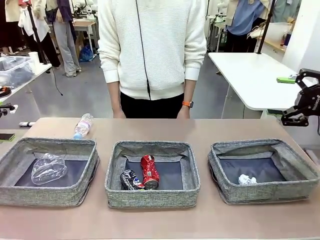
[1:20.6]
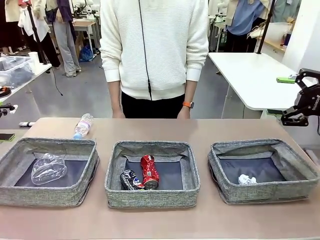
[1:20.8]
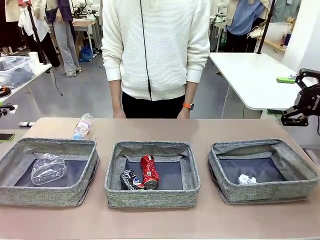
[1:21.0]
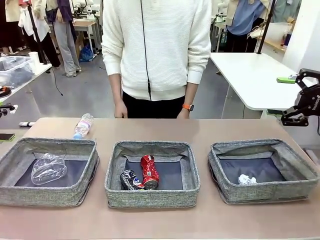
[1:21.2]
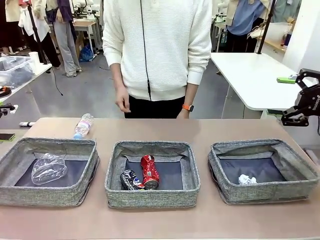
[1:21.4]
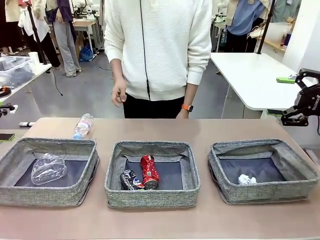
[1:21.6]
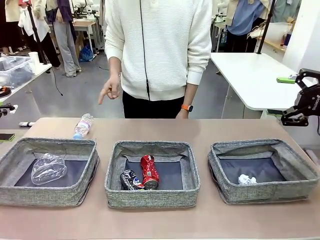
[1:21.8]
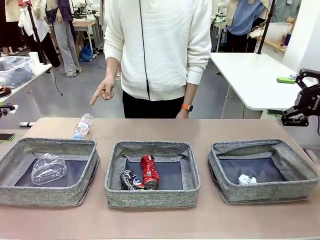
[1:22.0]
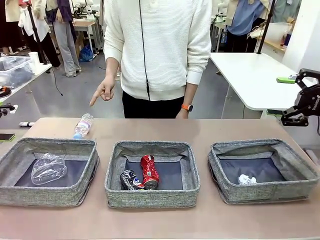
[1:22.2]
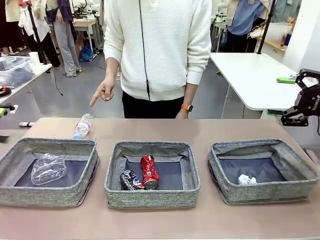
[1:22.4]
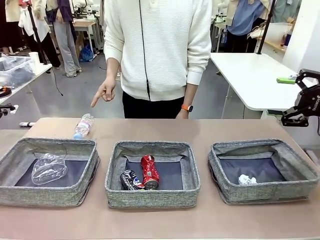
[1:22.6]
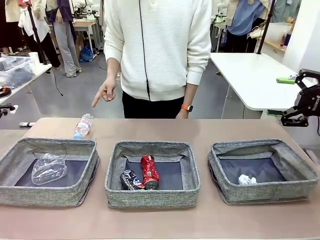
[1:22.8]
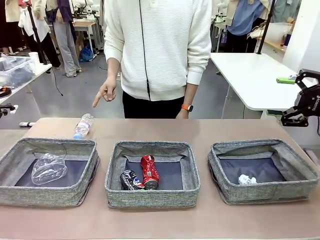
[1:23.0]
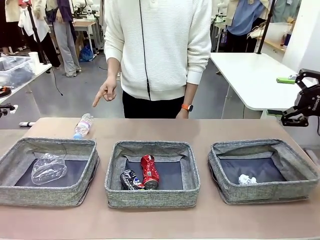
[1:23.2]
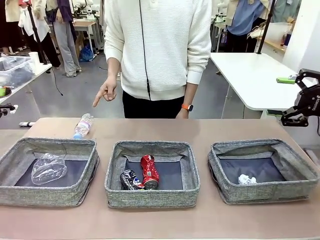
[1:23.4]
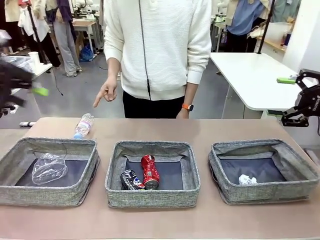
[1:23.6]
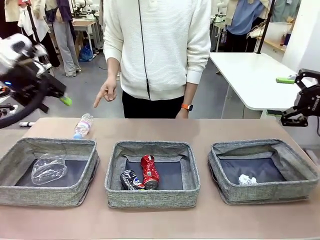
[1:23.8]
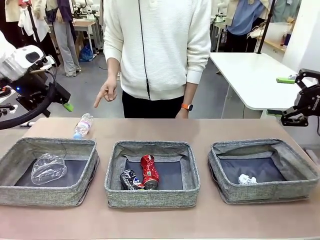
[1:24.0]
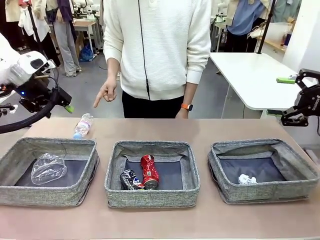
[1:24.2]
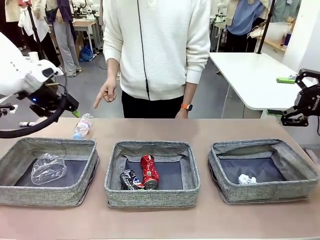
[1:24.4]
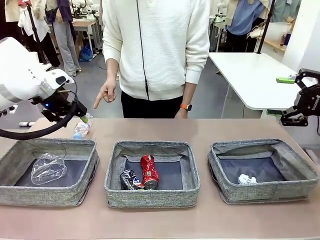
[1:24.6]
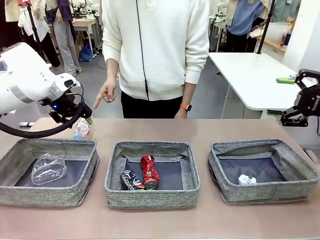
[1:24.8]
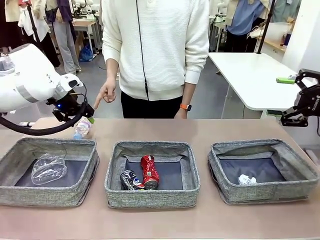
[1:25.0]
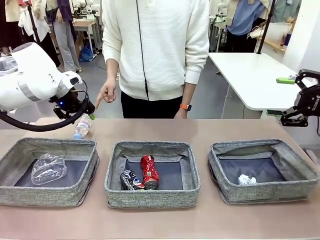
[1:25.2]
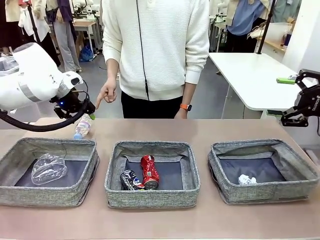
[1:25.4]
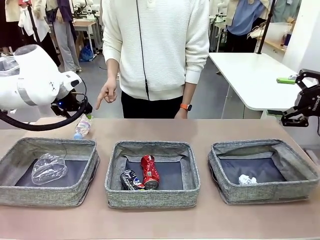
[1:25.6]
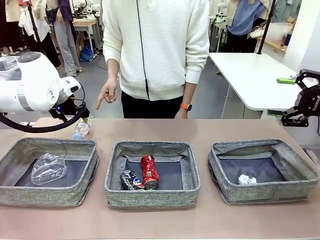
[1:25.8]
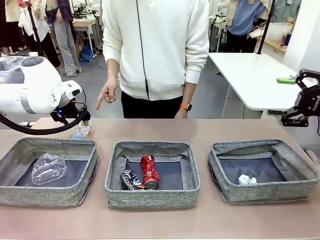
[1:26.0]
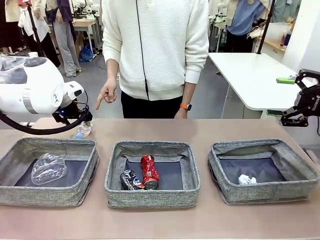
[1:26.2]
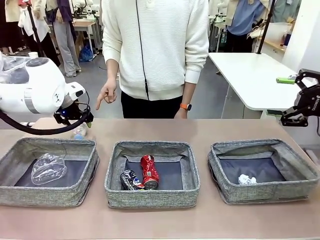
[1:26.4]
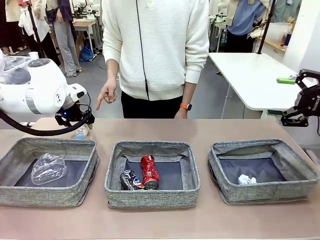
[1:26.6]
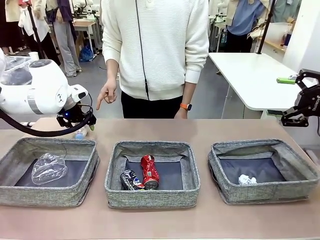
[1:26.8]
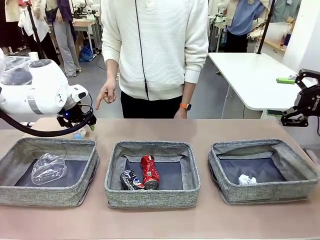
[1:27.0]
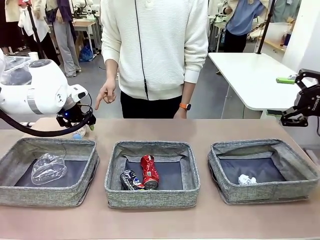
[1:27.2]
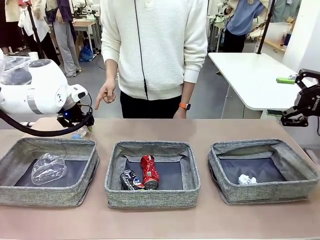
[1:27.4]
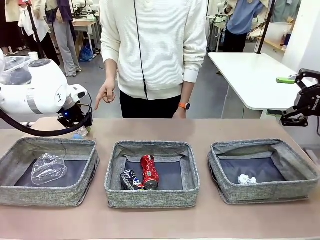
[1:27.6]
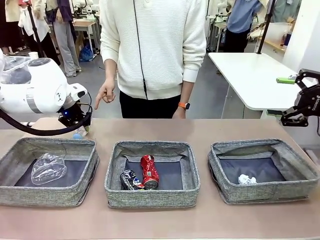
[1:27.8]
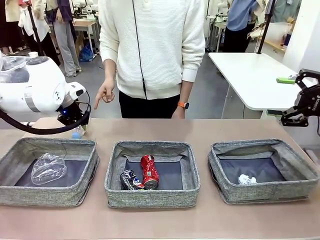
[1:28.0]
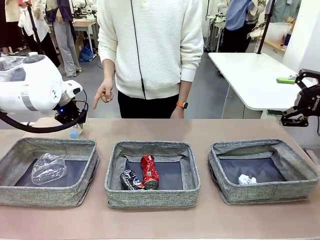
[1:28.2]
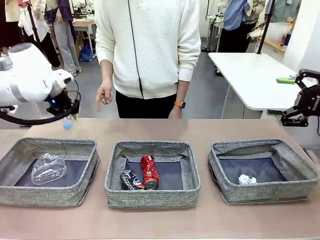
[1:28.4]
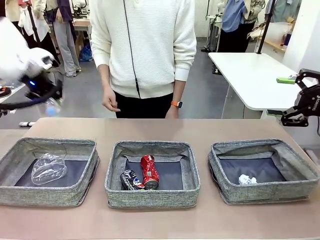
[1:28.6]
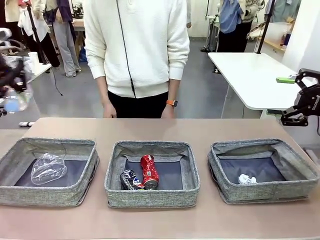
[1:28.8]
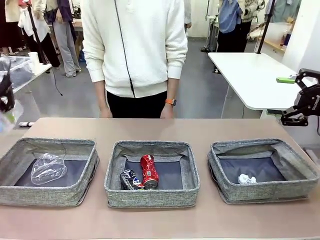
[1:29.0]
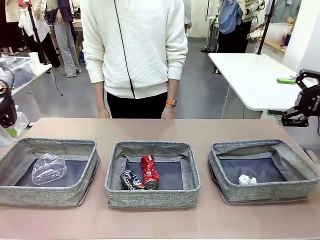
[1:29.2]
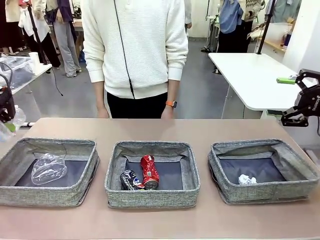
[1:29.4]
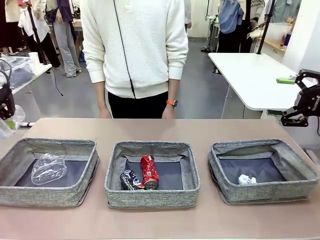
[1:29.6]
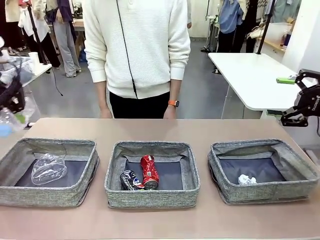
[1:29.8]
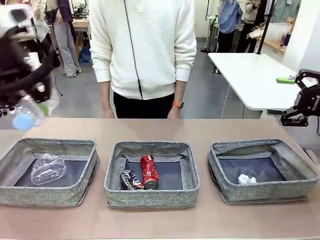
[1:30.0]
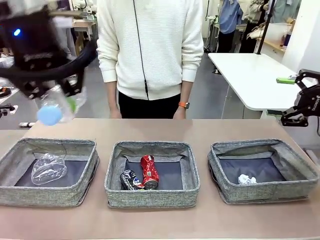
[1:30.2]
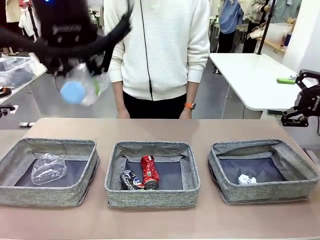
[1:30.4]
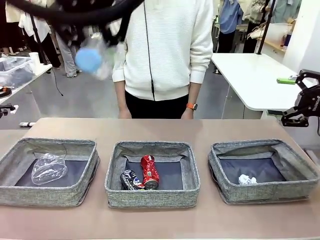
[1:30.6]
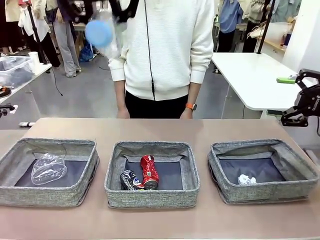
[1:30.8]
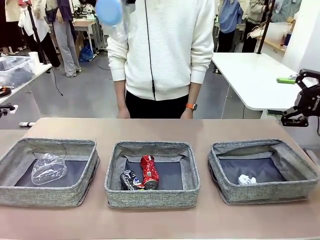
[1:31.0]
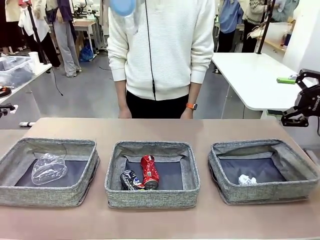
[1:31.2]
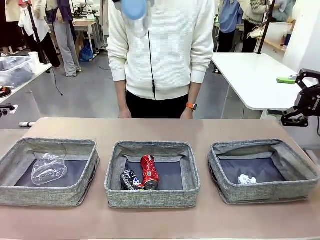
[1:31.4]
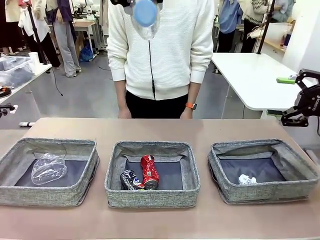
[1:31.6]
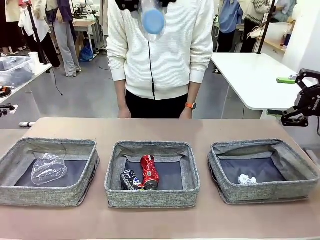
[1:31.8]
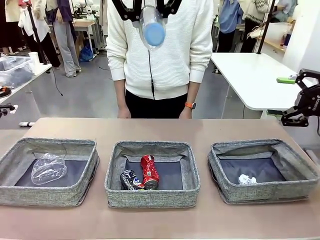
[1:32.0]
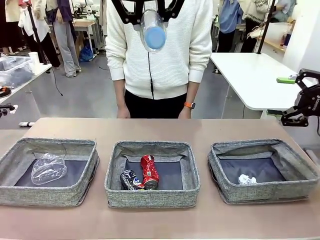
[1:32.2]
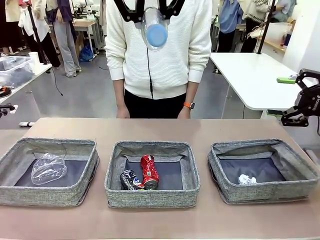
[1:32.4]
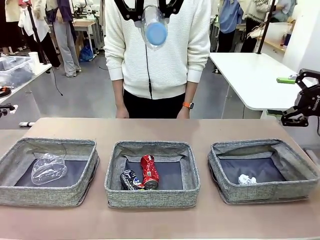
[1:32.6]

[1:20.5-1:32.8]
Task: Sort the waste into the appropriate baskets.
Robot: Pick up the waste item pointed out by the person.
Person: Points to one piece of trash on the table.

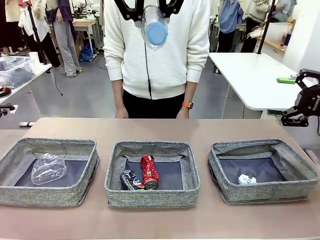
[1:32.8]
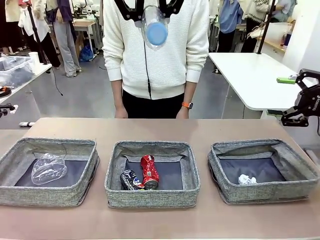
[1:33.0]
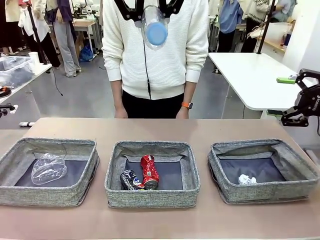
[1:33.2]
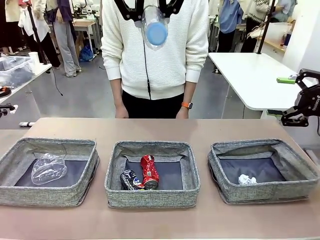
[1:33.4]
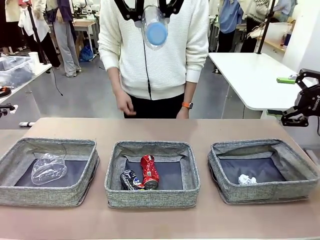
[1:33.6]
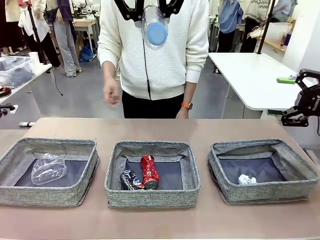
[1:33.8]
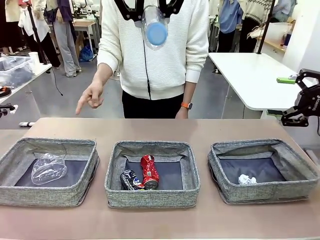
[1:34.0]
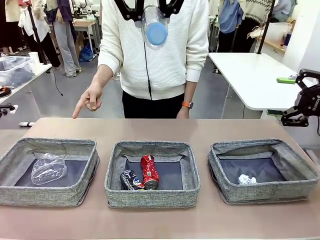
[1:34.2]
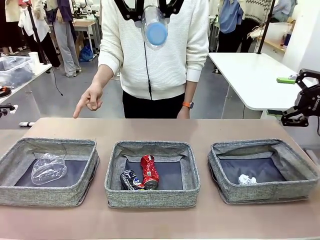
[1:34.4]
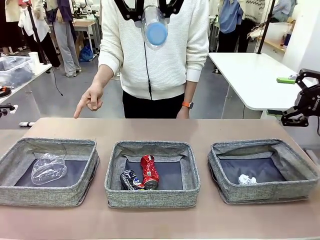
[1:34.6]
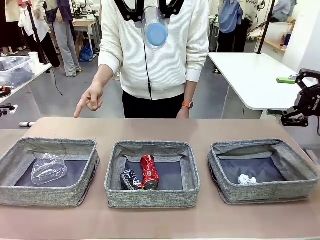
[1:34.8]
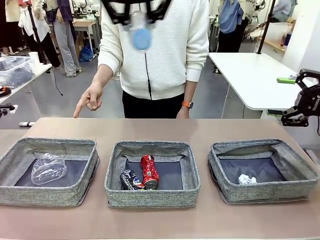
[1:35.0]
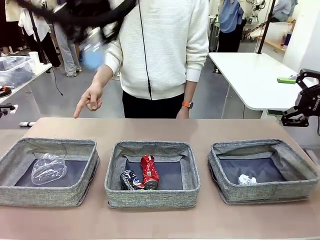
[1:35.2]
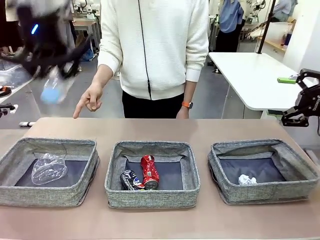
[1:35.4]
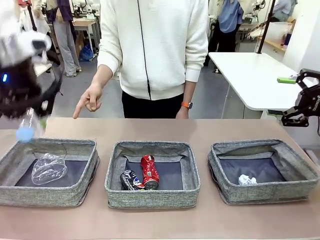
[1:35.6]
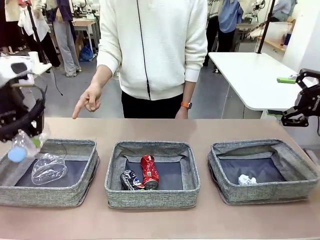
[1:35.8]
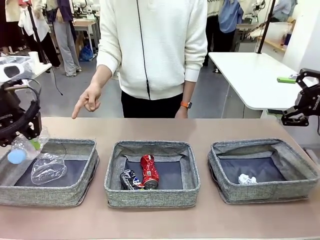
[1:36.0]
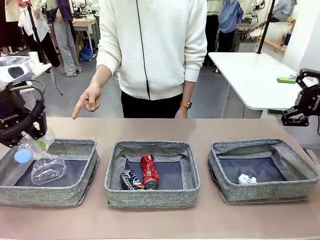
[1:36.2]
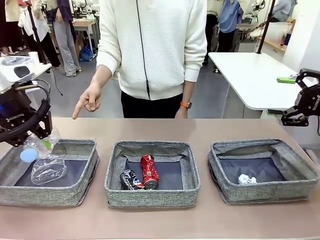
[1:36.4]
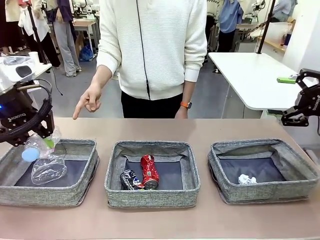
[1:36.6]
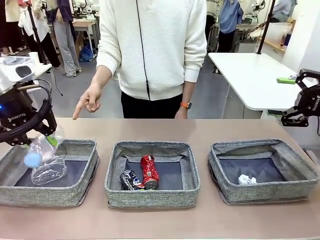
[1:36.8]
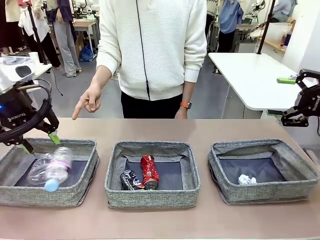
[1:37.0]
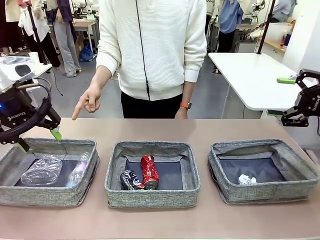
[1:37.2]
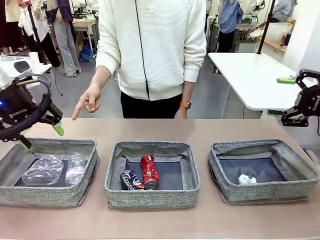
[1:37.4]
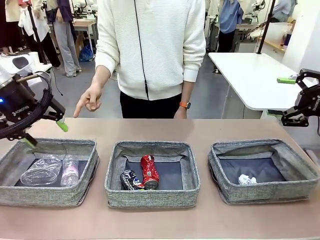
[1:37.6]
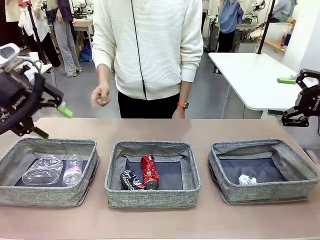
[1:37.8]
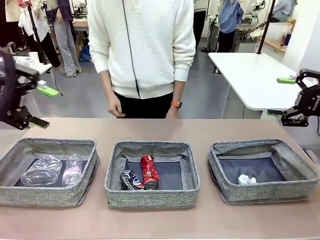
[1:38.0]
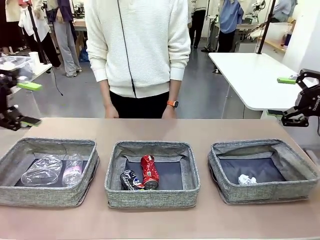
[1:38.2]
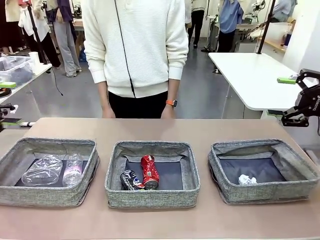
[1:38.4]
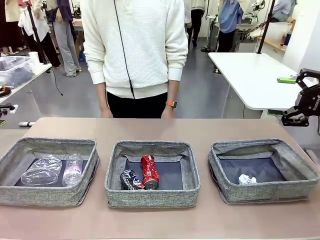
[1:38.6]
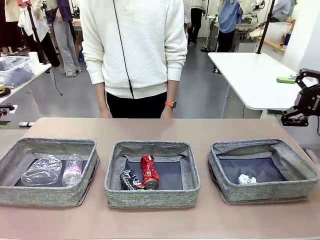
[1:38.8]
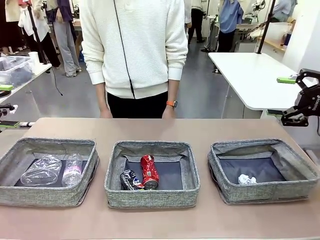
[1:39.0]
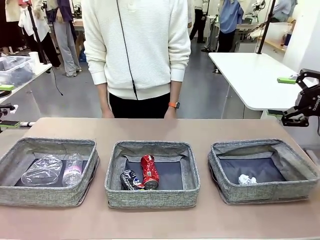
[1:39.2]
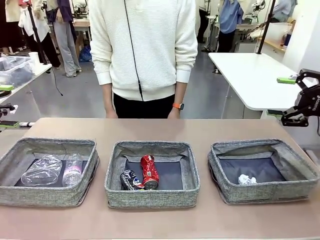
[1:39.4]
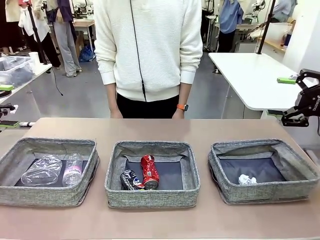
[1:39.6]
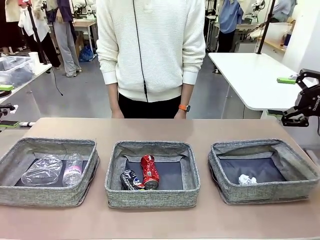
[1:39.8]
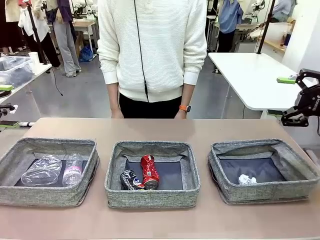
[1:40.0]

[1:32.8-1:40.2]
Robot: Place the picked waste into the Fabric basket indicated by the person.
Person: Instructs the robot to place the picked-up trash into the appropriate organizing basket.
